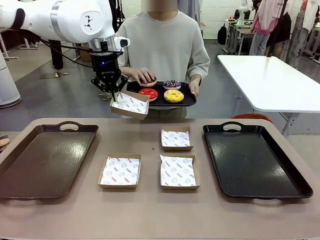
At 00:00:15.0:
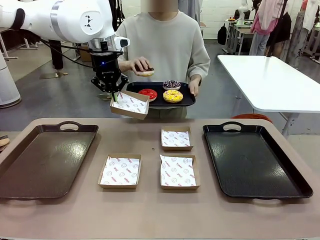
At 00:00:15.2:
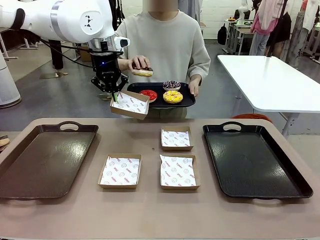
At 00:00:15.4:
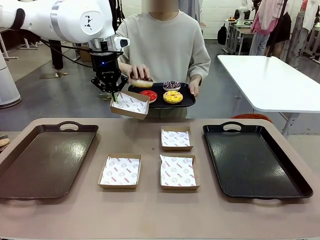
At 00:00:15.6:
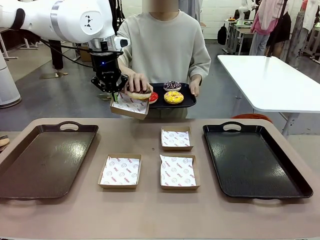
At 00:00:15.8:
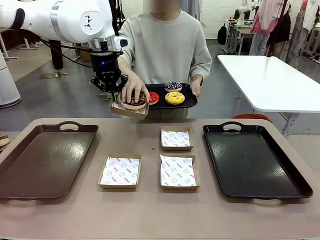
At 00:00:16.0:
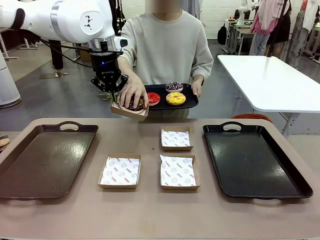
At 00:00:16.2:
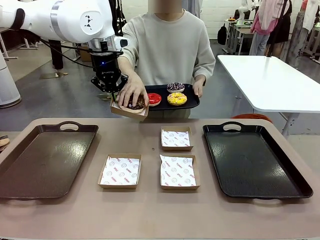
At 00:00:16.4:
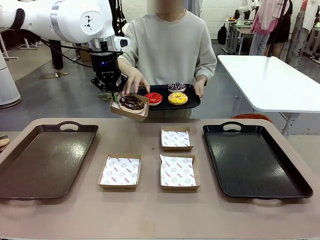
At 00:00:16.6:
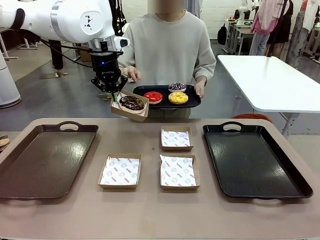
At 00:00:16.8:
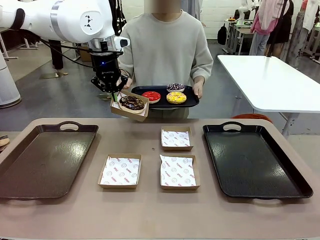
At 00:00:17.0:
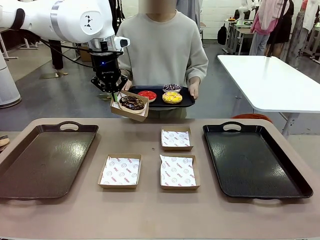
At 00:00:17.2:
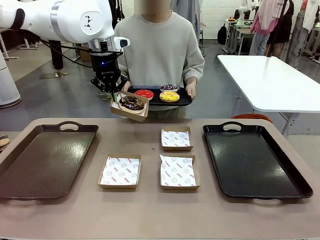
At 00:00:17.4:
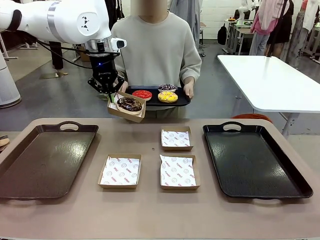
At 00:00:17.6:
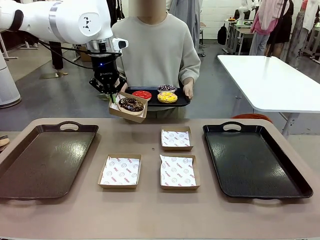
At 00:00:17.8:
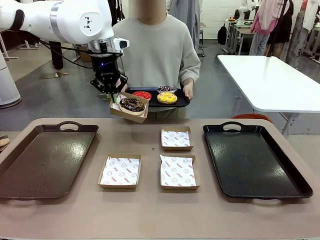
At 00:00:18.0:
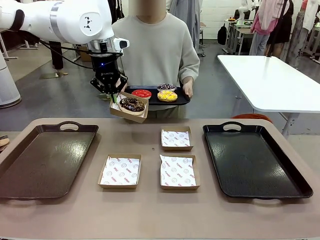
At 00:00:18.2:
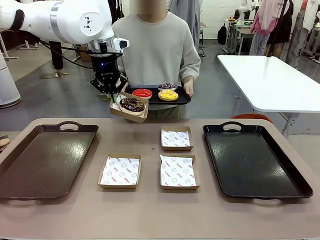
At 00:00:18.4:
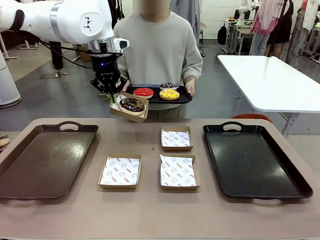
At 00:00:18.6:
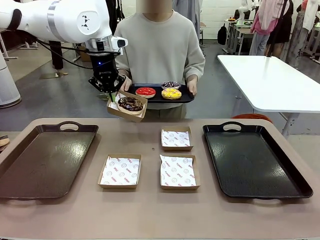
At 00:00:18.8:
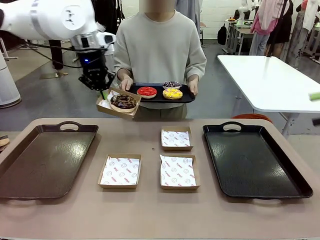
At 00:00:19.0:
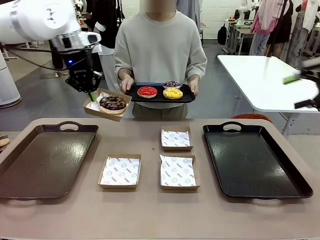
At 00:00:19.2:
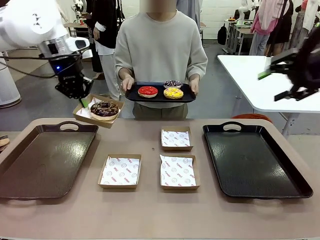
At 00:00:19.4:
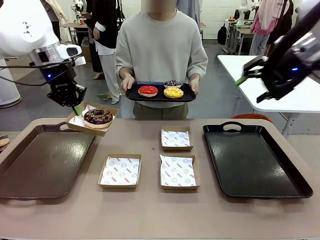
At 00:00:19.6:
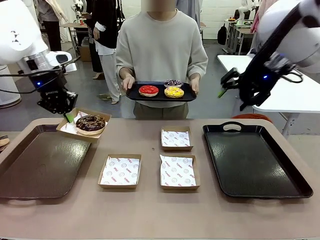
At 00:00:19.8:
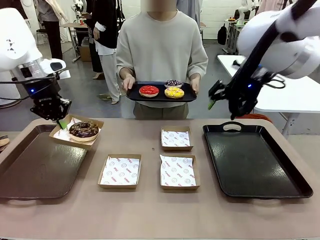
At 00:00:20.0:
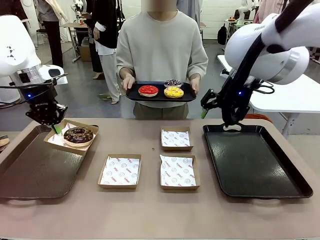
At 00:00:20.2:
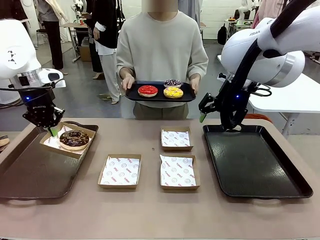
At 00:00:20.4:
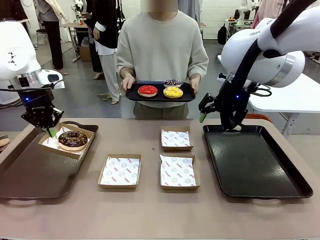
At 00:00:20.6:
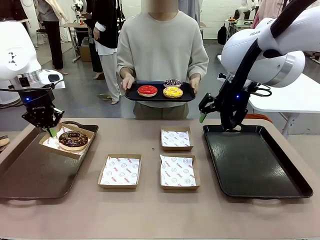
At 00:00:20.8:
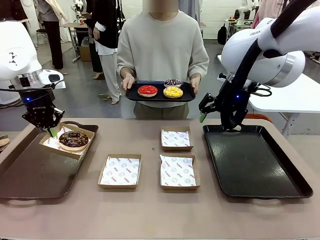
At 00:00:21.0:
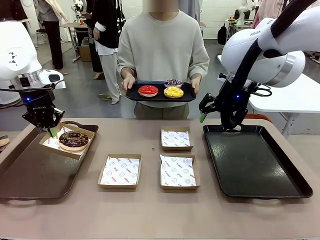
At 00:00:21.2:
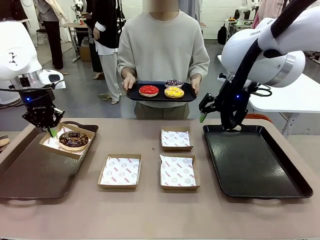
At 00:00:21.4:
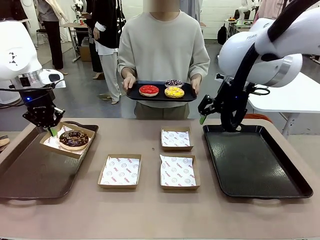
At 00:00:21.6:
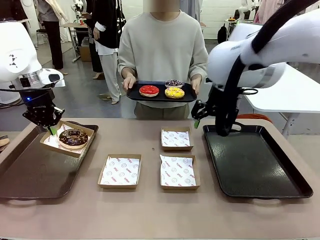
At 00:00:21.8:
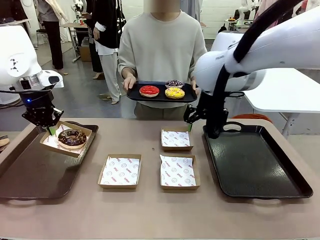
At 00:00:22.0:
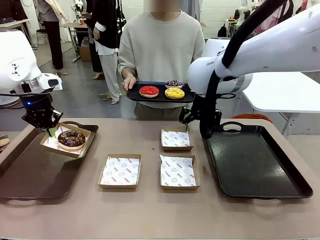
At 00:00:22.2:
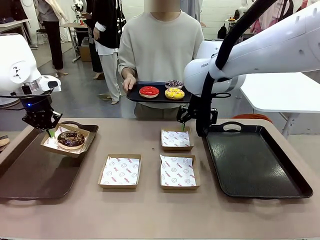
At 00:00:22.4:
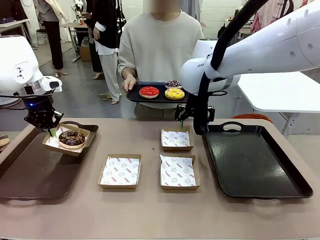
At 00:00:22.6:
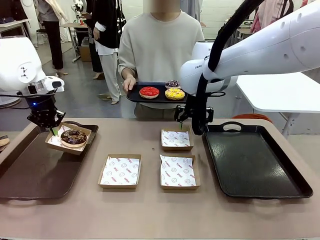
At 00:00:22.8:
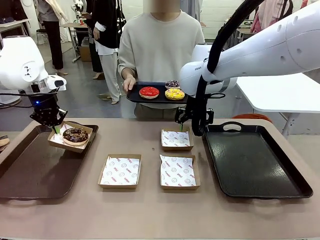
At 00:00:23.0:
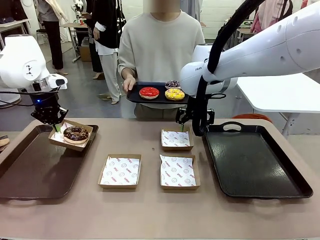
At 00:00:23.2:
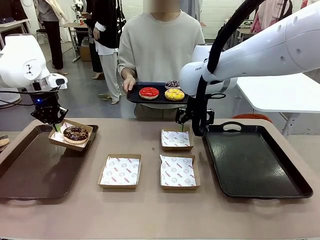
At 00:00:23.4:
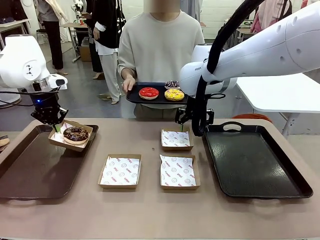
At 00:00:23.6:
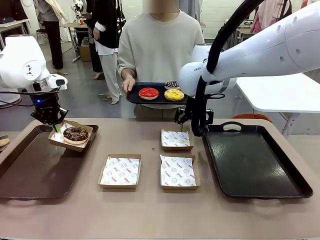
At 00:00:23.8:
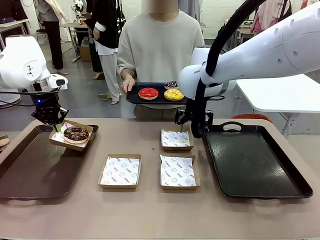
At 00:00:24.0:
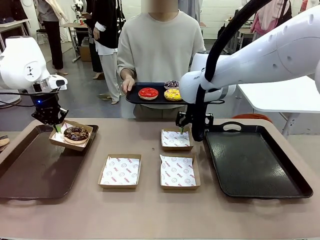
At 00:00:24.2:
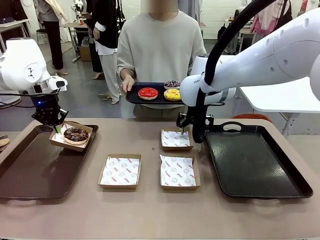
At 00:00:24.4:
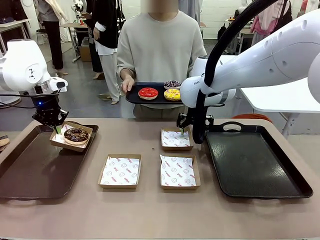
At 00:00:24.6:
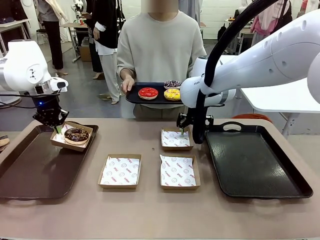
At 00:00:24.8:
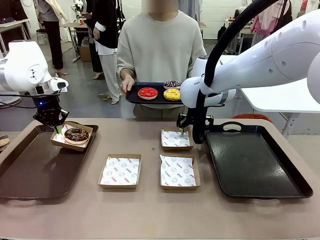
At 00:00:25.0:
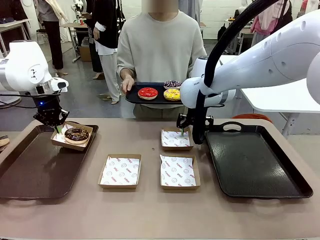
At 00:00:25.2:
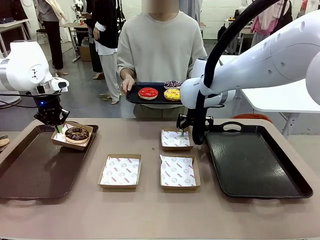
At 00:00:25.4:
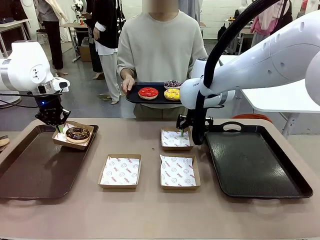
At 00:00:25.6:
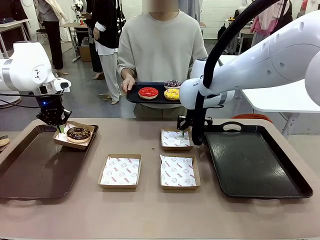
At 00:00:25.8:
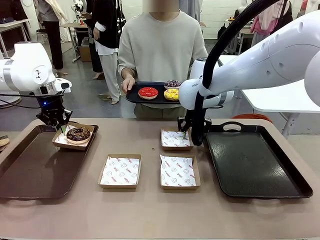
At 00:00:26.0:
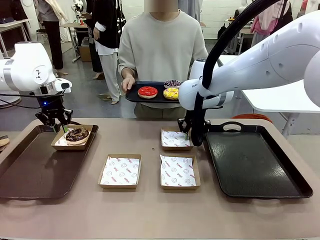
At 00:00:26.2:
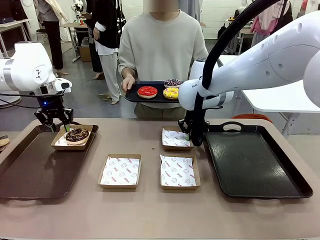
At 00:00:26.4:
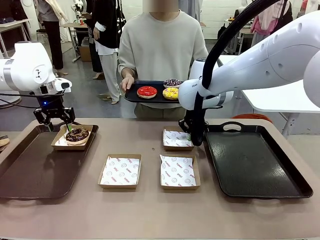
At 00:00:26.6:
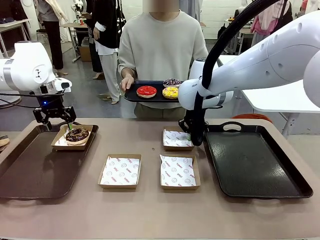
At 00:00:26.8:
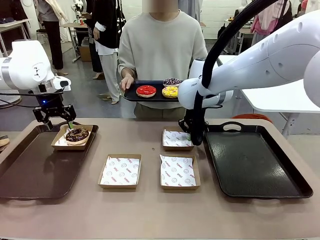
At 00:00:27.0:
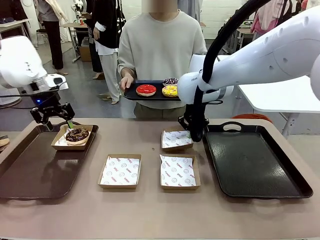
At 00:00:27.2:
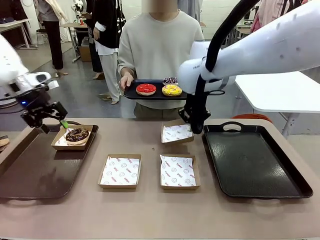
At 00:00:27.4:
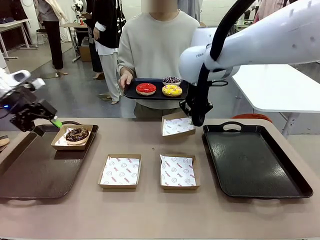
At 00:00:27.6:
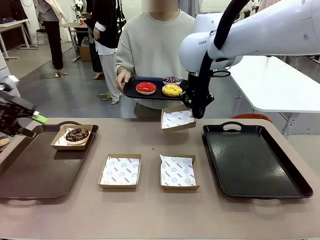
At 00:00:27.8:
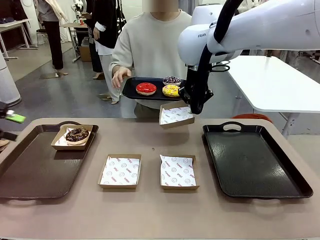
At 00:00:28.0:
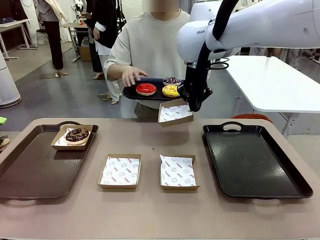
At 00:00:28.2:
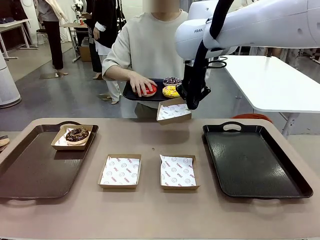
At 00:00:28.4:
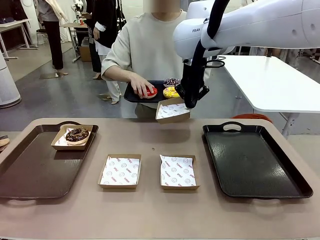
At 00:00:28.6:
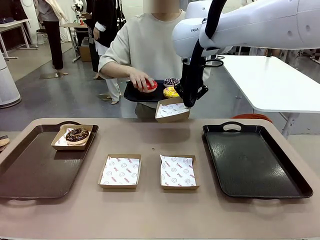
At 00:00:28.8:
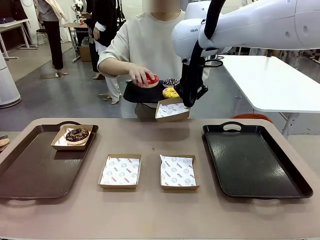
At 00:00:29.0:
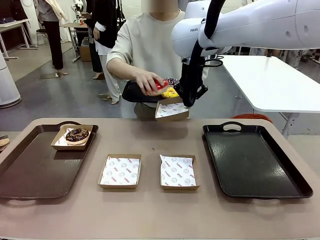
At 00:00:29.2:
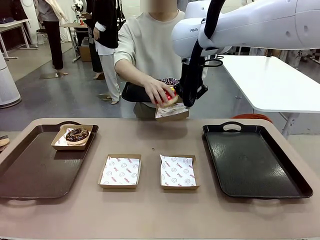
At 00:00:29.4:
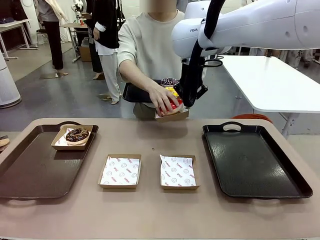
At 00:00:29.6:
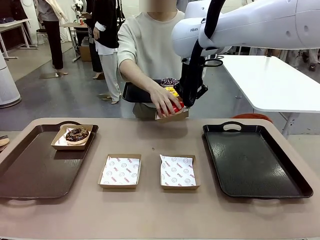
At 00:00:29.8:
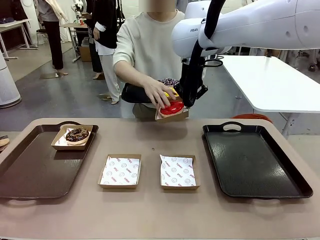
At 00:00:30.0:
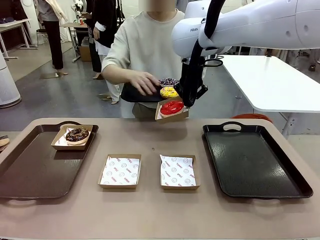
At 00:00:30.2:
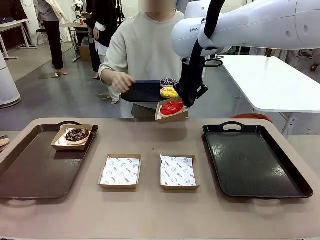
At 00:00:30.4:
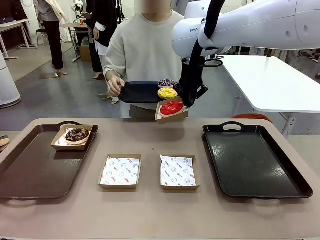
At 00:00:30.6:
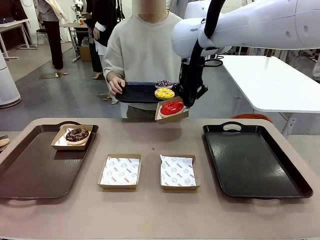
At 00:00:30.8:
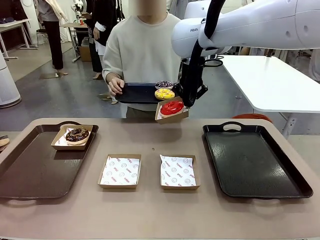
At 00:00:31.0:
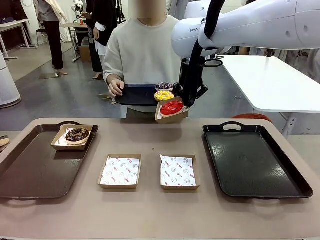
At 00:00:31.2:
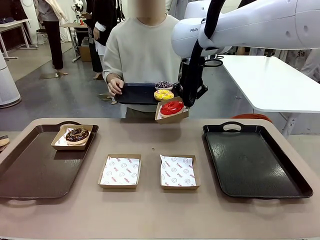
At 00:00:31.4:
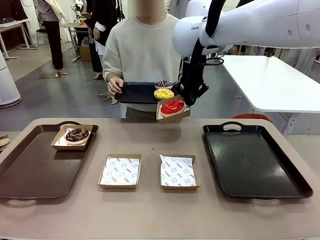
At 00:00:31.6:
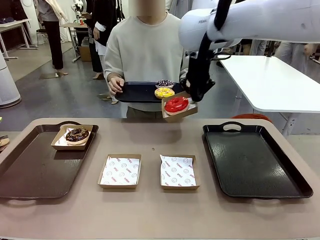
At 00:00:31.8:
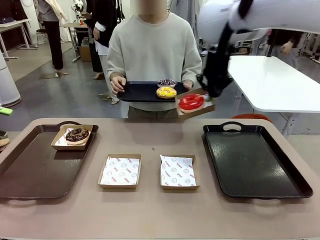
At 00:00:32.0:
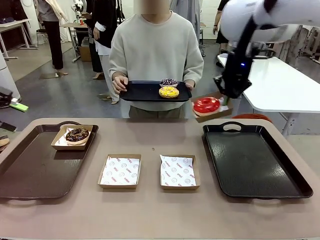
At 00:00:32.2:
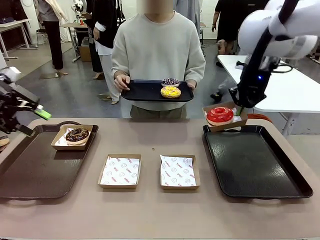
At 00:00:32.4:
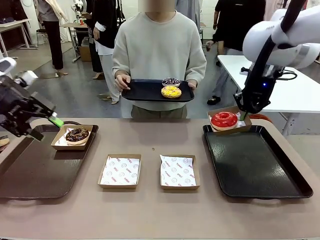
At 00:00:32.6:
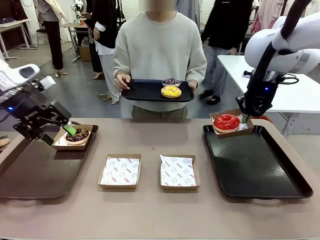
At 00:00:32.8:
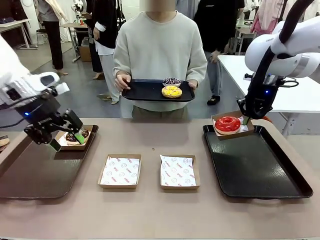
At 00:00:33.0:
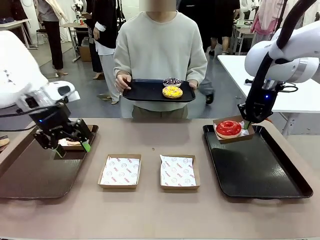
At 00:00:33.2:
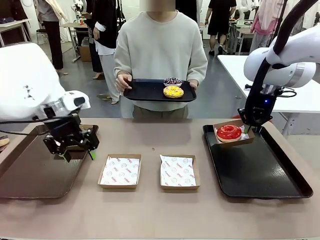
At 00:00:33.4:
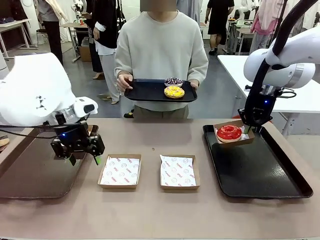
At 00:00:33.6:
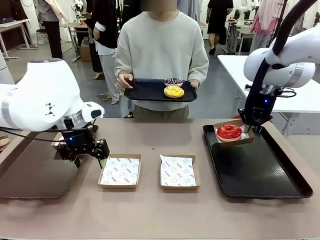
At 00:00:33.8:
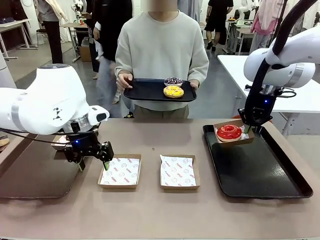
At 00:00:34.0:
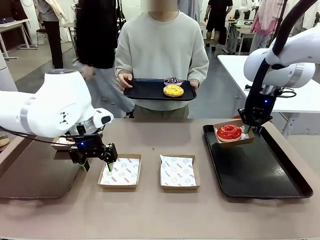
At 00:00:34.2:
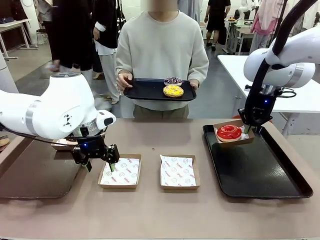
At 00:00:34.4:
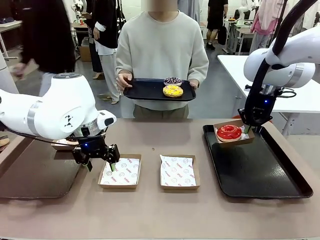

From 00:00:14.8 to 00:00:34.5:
Task: Individually package the donuts and arrange them on the tray.
Robot: Place the picked Paper togo box on the Handle tray while simultaneously picking up another Paper togo box from the table with the other hand.
